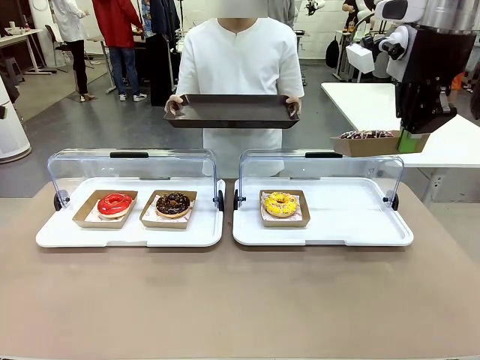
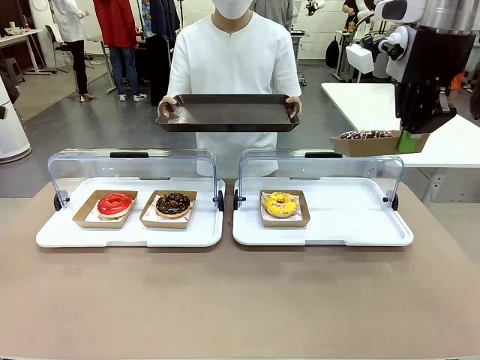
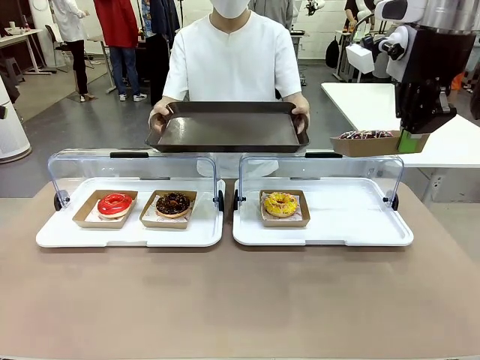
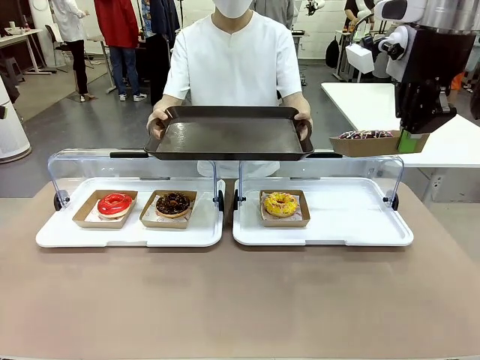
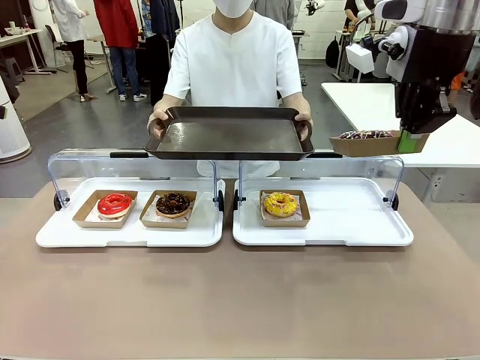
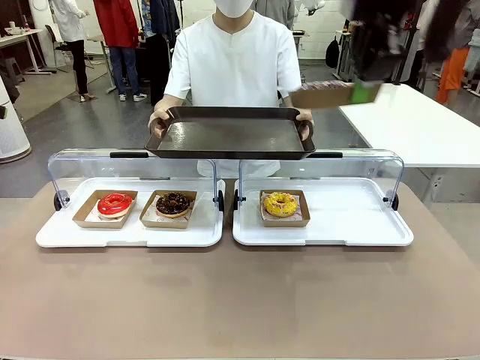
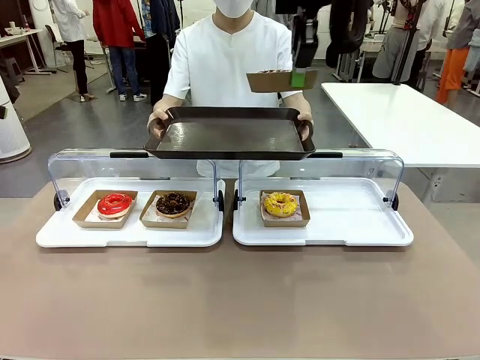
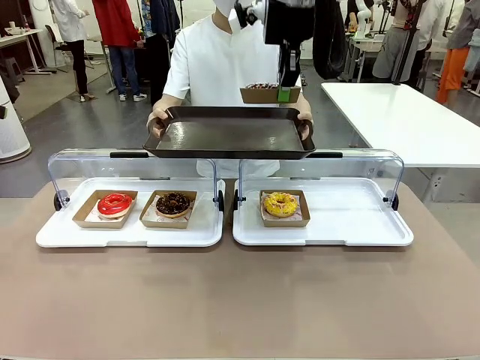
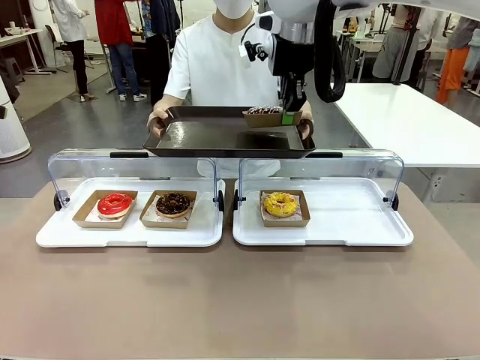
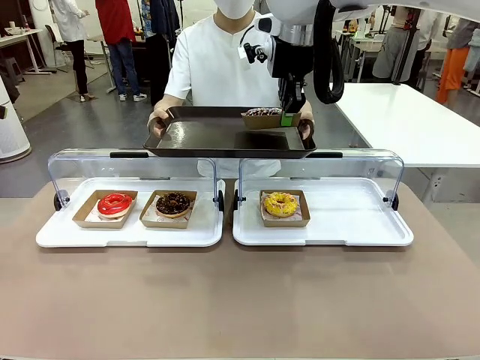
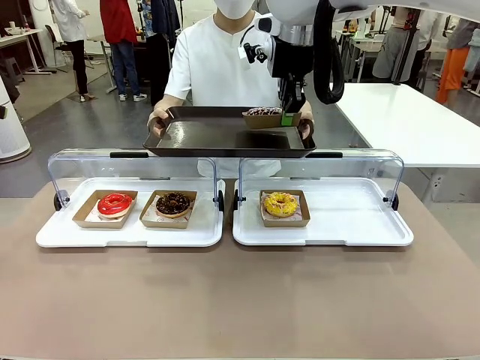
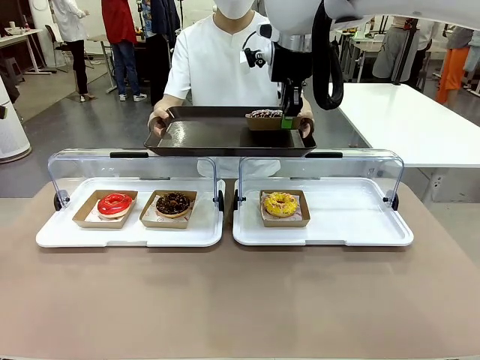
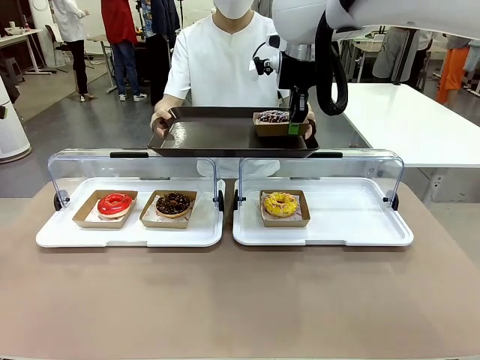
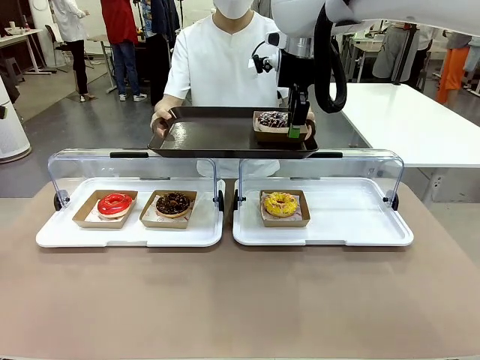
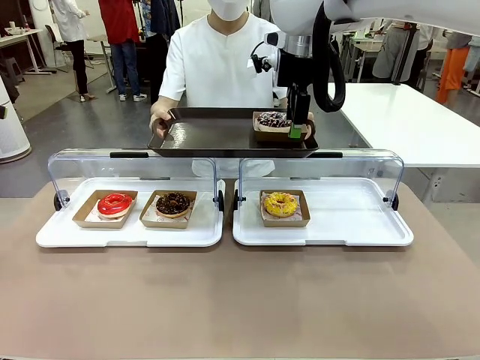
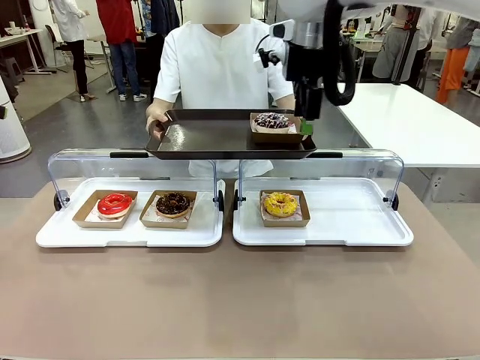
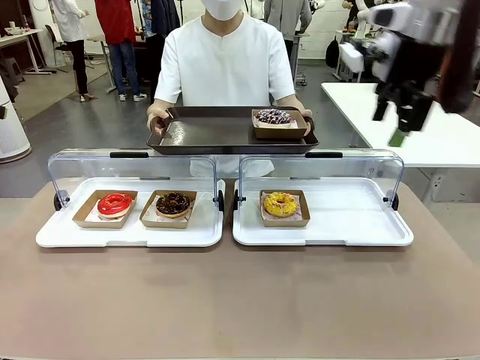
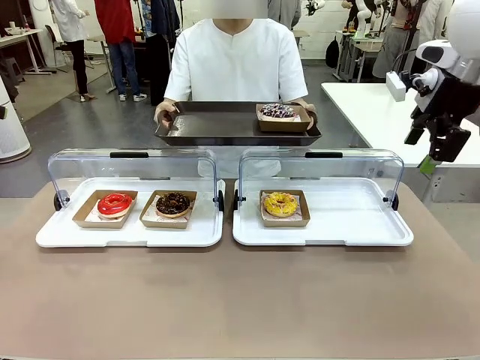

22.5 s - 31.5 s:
Task: Provide the desired donut to the person.
Robot: Place the picked Paper togo box onto the Handle tray extended by the person.

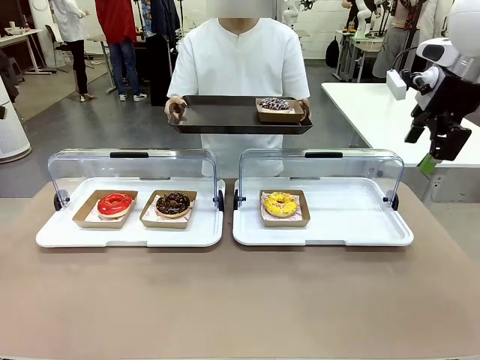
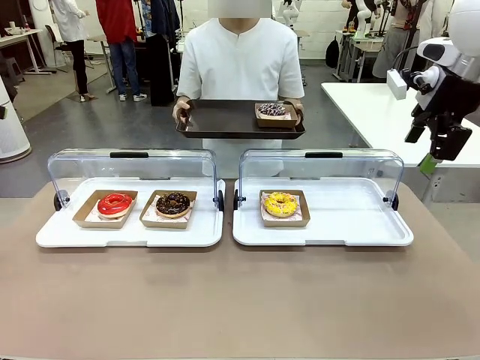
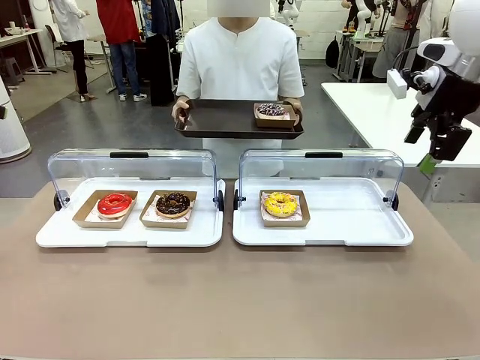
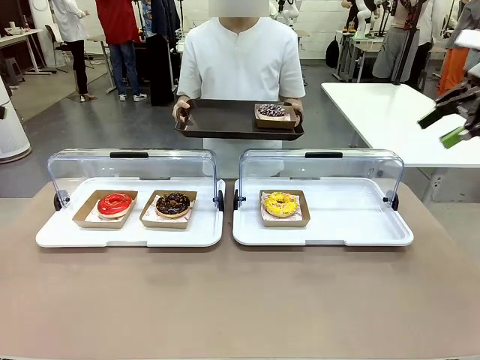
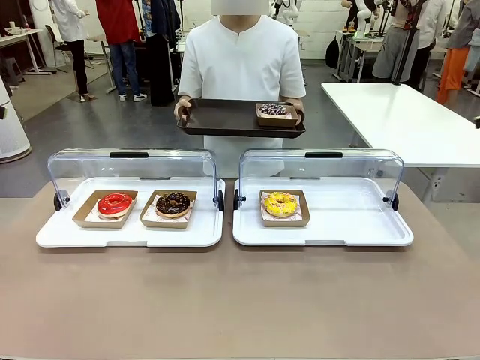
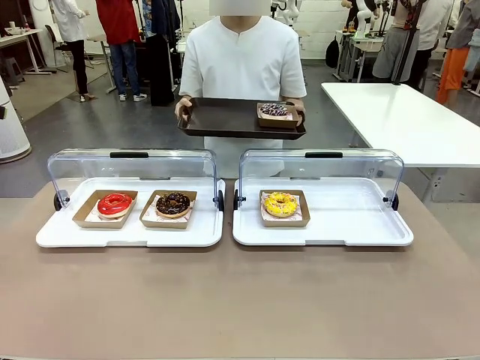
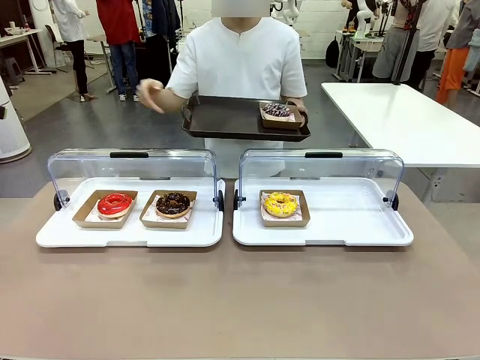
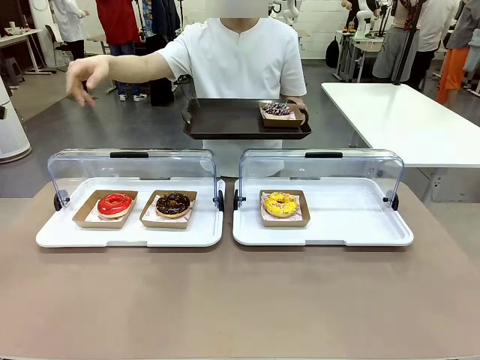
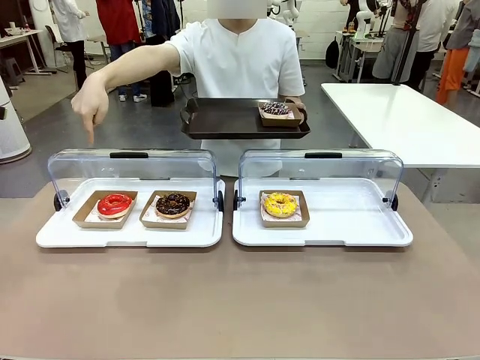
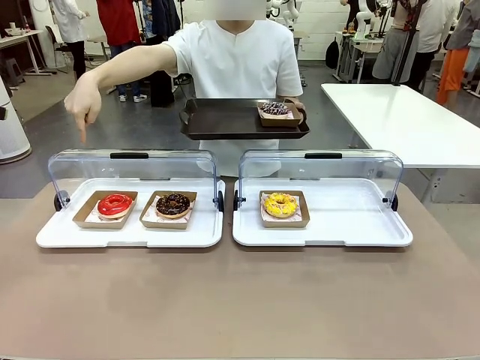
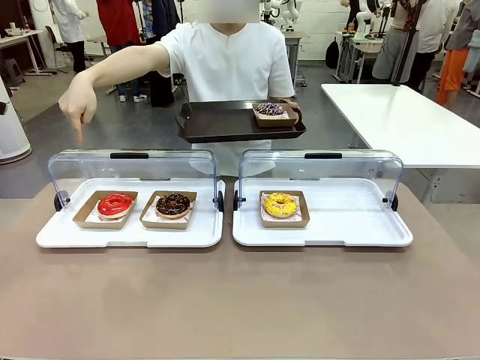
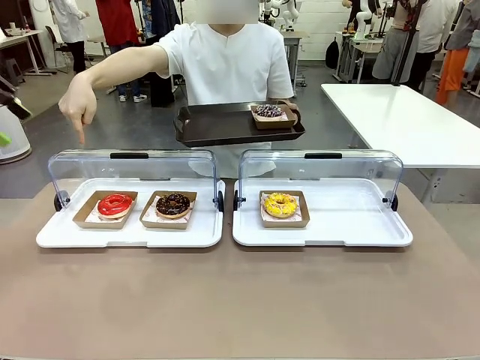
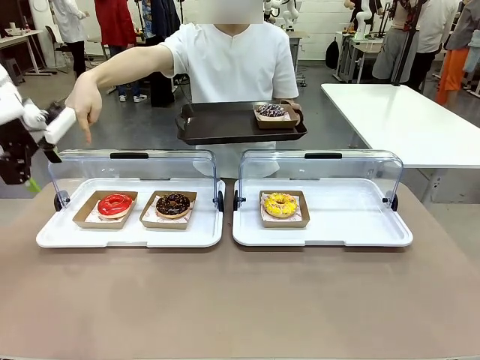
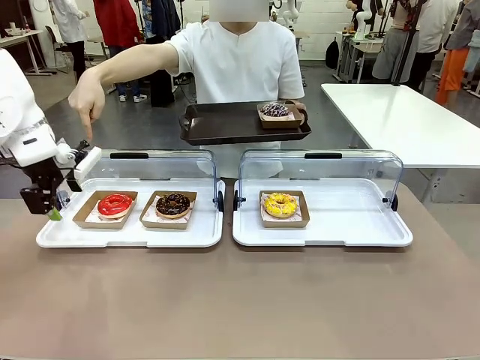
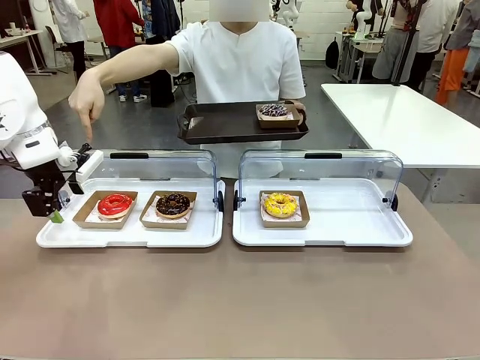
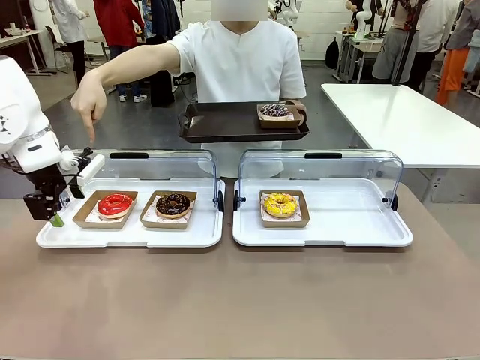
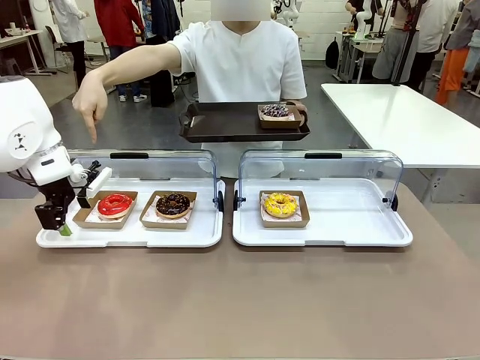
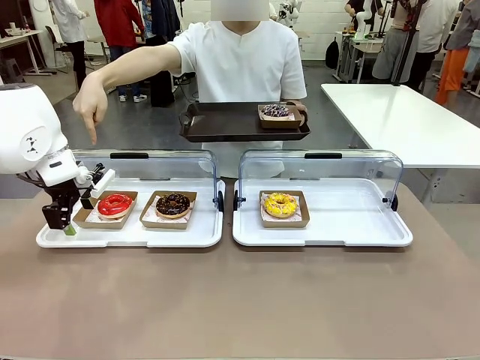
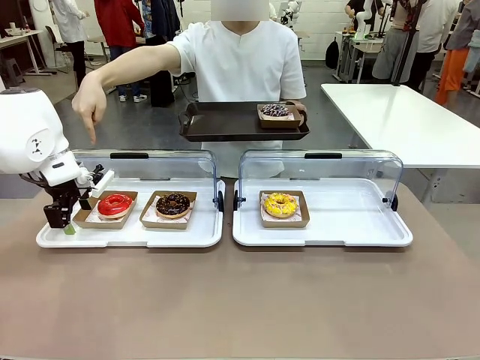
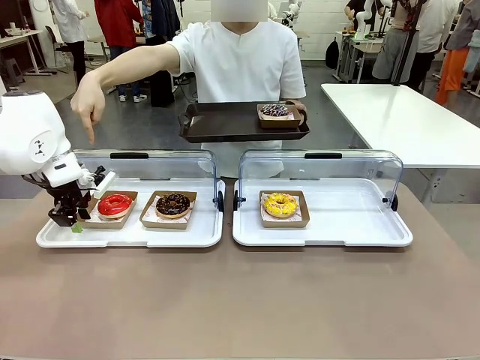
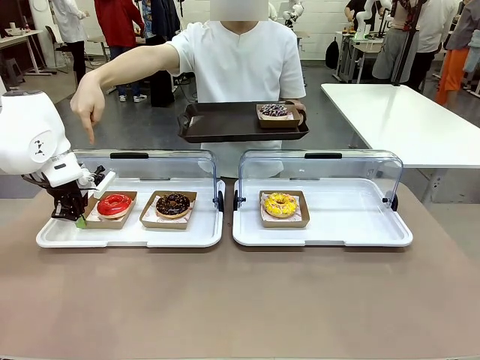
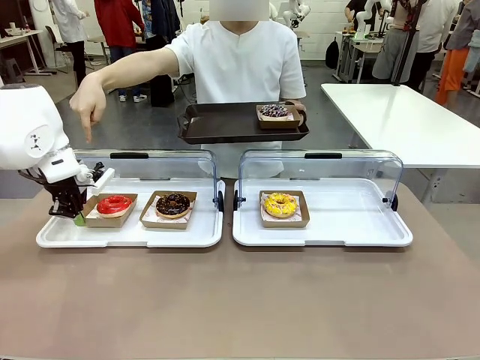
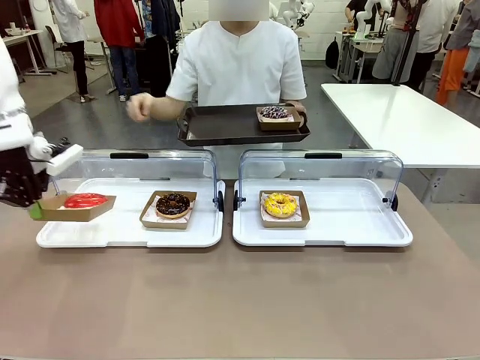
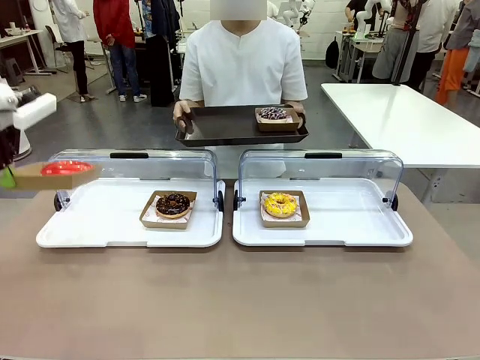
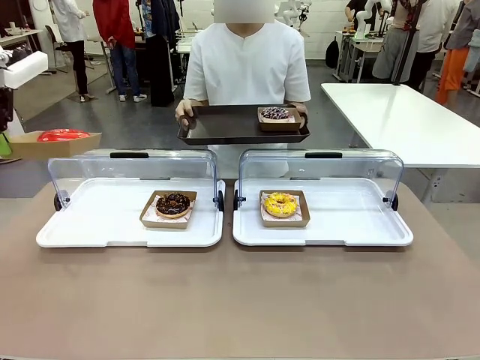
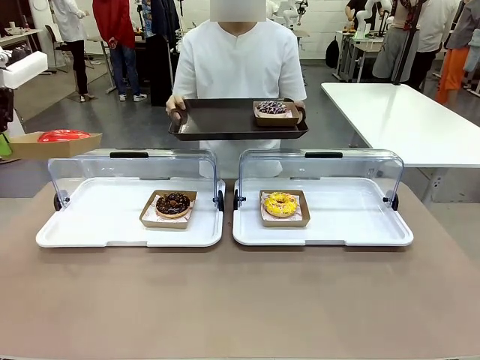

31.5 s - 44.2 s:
Robot: Pick up and lift the Paper togo box containing the Donut pointed at by the person.
Person: Point to one donut. Lift the tray onto the Roll-Top Bakery Case.
